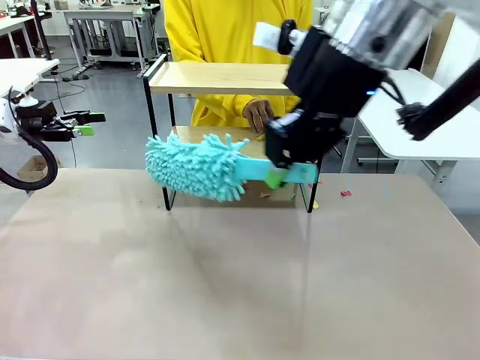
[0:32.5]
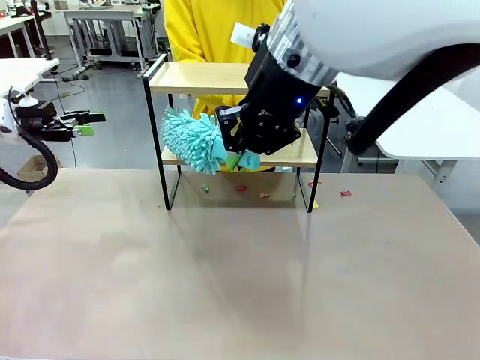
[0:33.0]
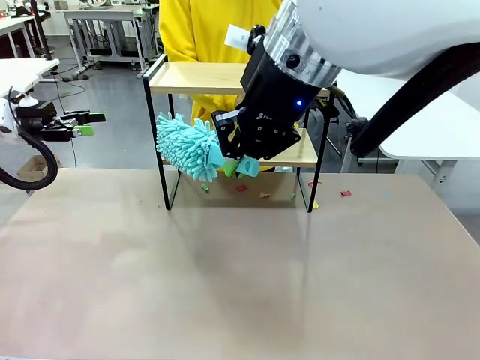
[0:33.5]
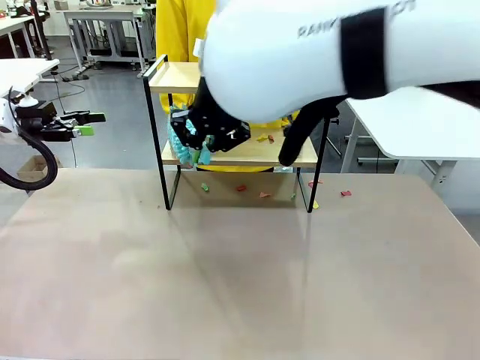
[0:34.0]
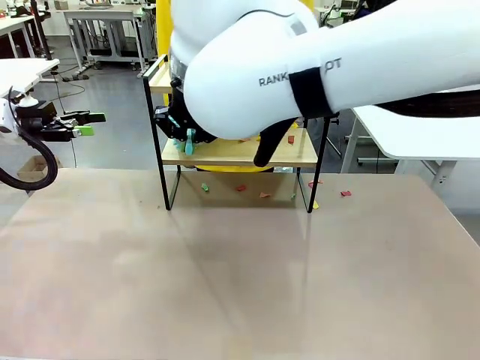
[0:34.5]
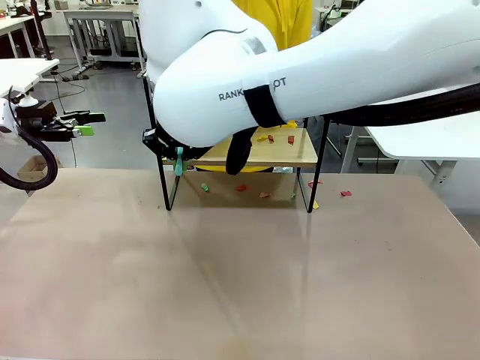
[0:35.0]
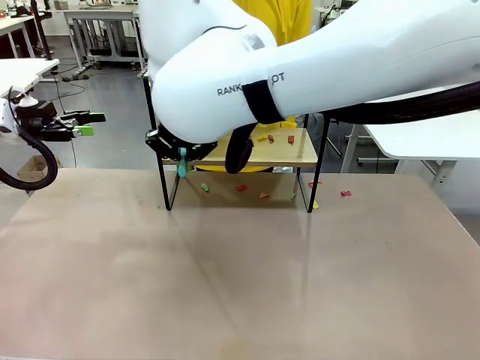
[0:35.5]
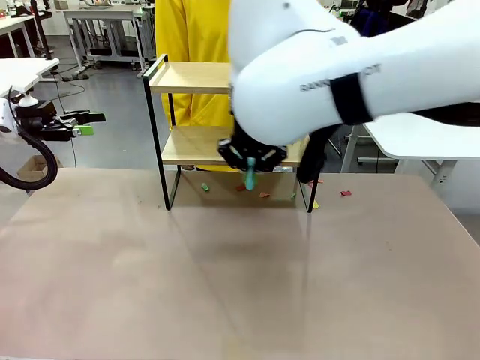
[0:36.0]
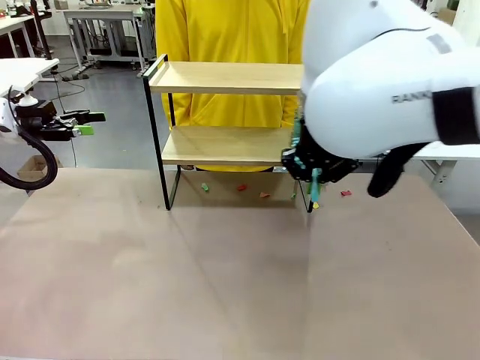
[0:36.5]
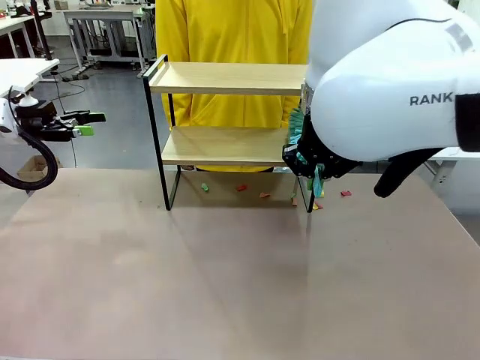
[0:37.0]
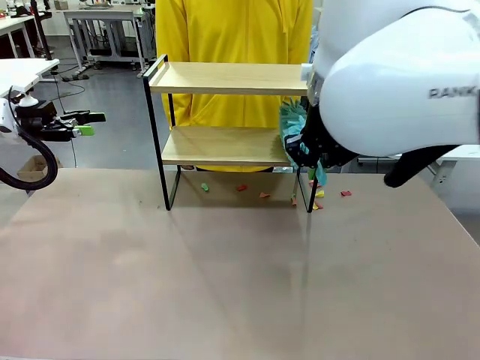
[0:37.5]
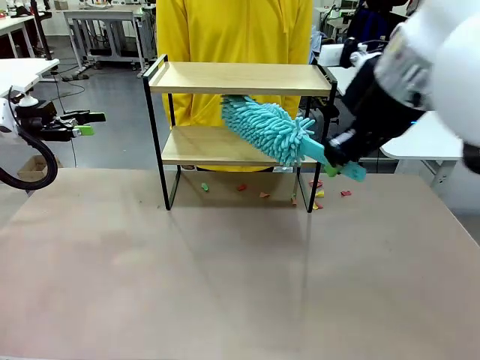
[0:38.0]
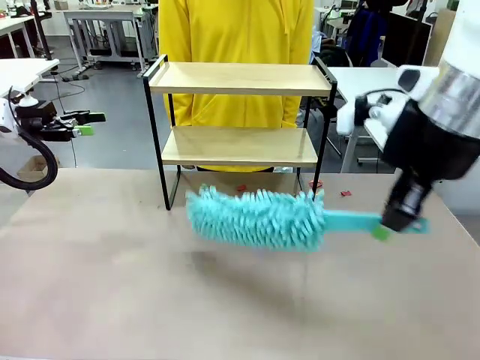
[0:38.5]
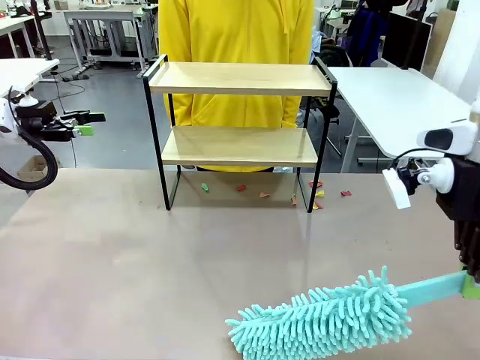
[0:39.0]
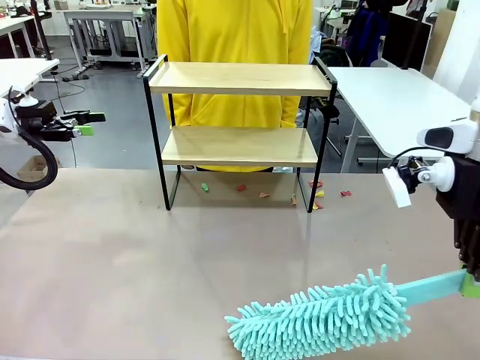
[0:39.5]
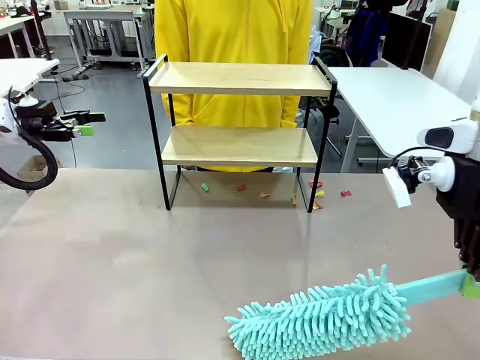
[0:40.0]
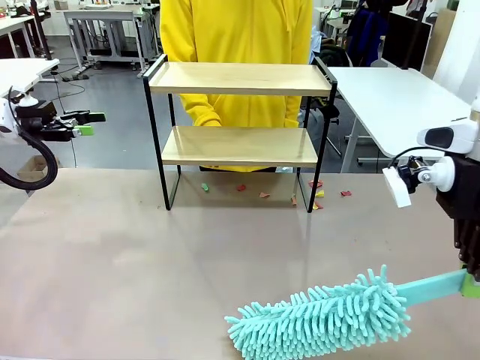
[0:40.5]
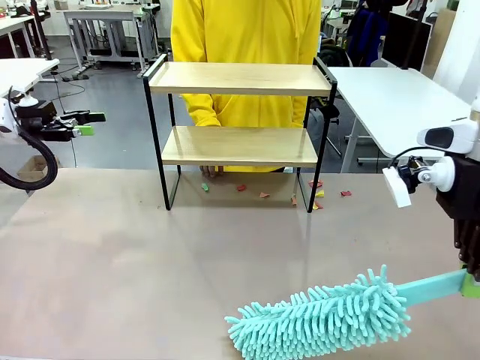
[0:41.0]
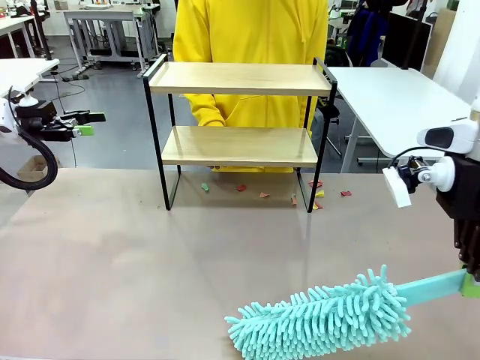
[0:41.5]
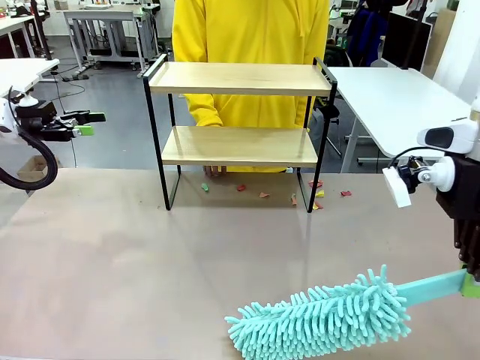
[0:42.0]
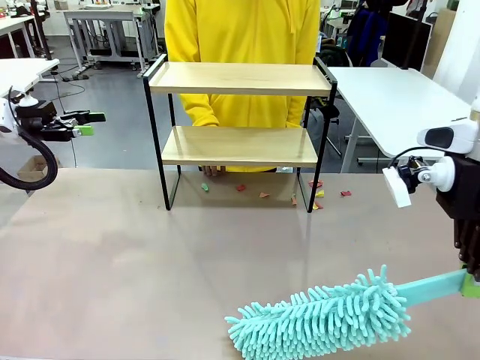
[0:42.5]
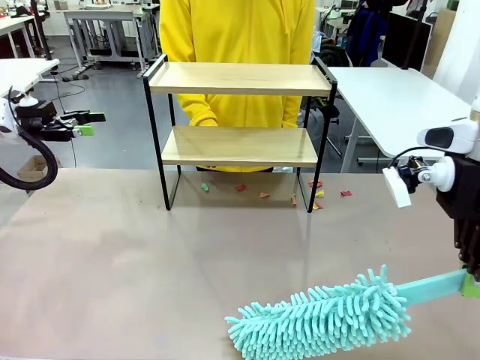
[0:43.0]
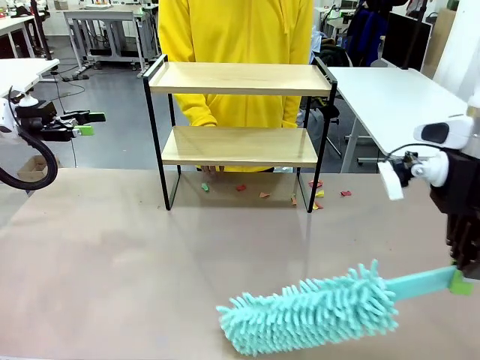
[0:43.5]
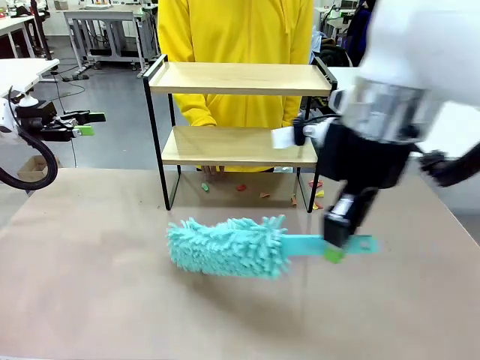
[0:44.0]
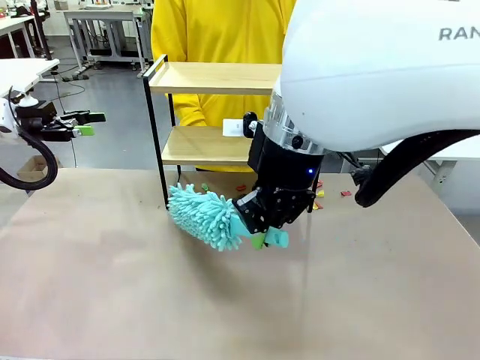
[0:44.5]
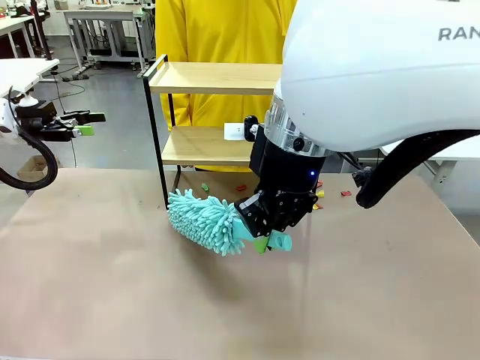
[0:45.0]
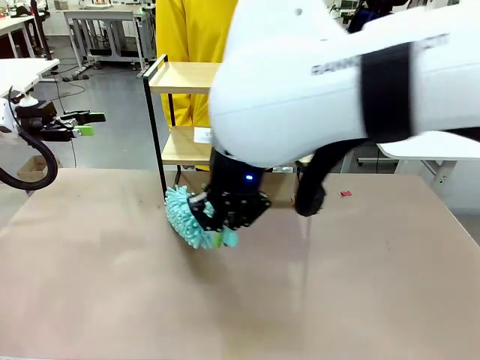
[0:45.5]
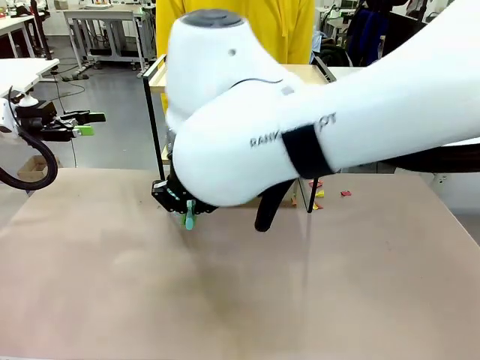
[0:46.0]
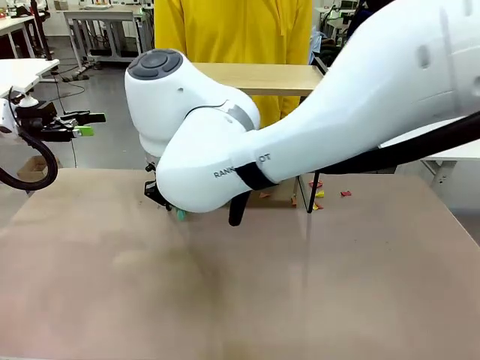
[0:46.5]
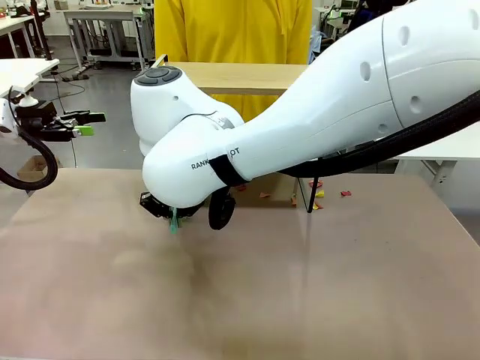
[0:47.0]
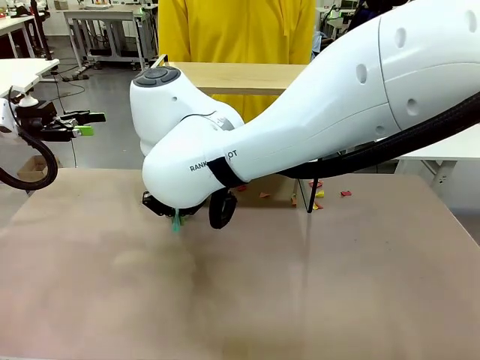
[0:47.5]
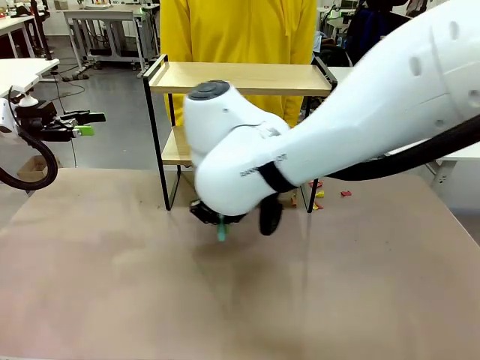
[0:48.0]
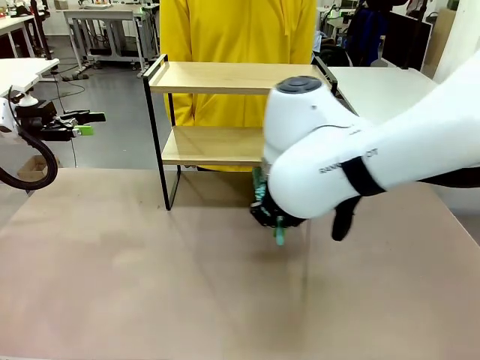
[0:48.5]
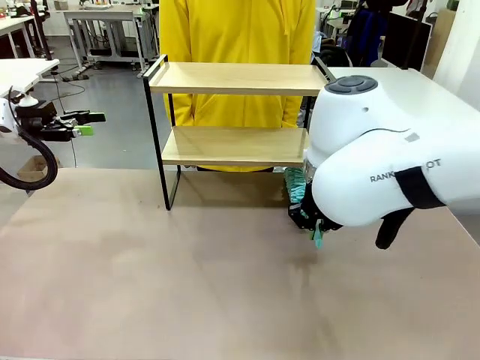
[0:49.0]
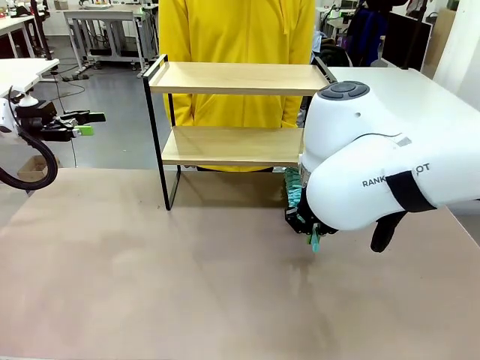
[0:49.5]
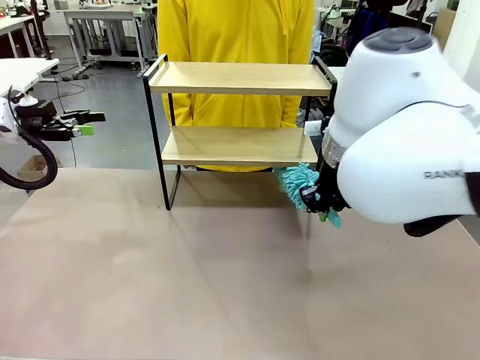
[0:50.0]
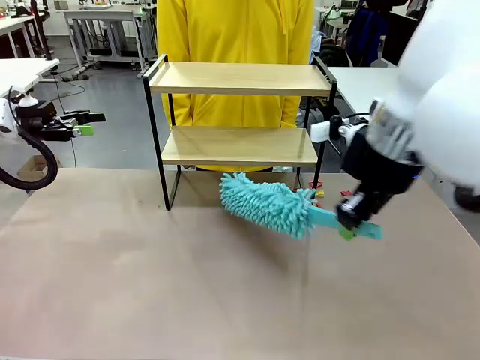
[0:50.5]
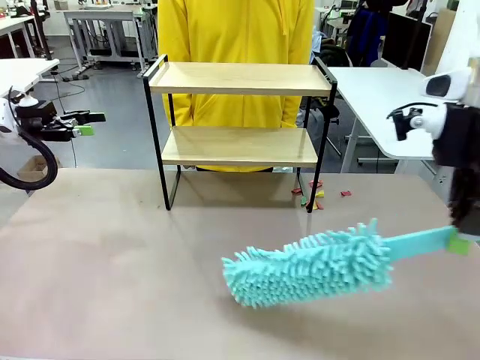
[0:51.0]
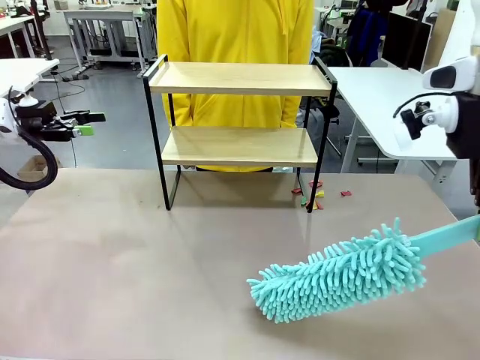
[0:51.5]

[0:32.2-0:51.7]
Task: Clean the shelf.
Robot: Clean the specific section of the Shelf indicated by the human with the Duster.
Person: Point a remaining section of the Shelf.

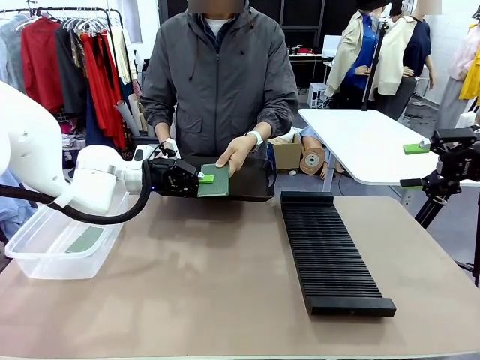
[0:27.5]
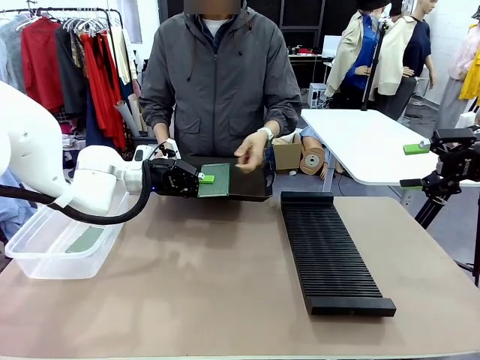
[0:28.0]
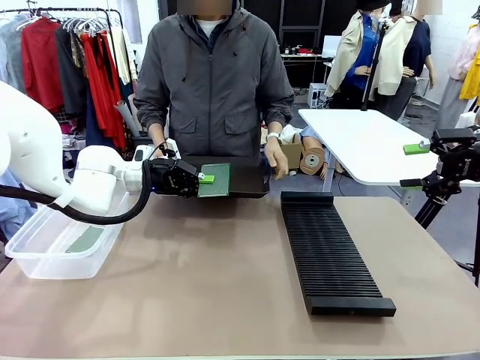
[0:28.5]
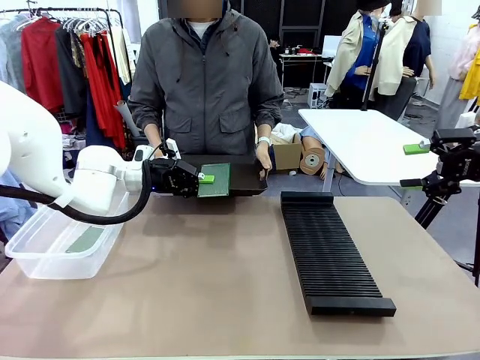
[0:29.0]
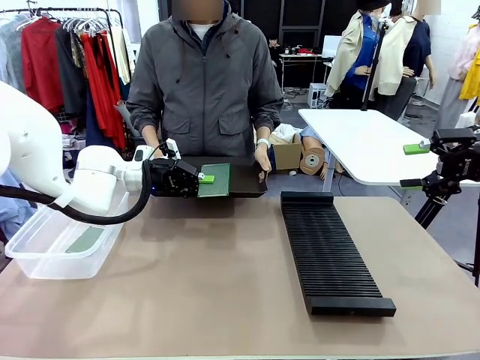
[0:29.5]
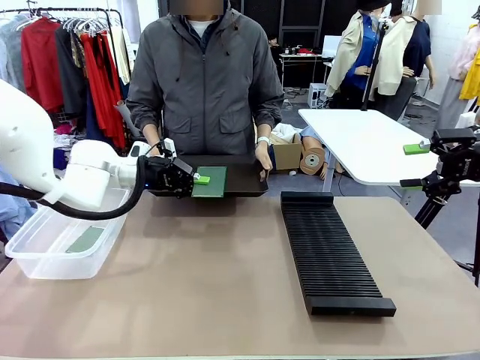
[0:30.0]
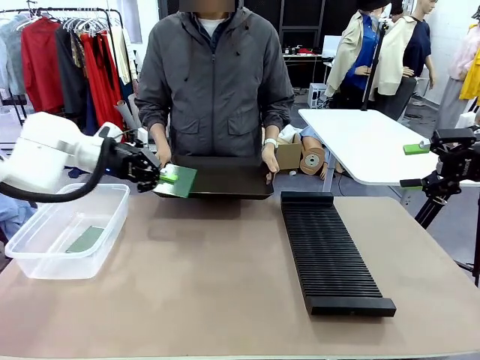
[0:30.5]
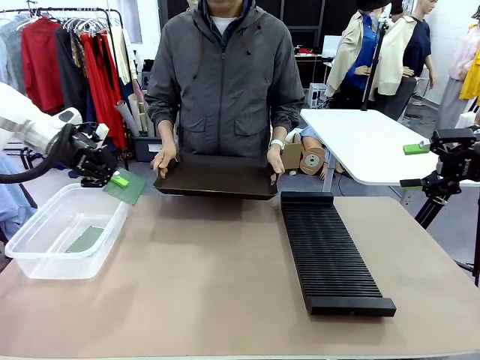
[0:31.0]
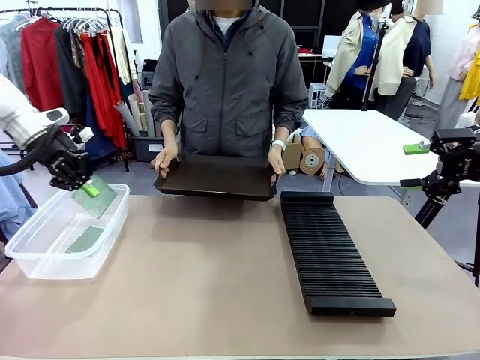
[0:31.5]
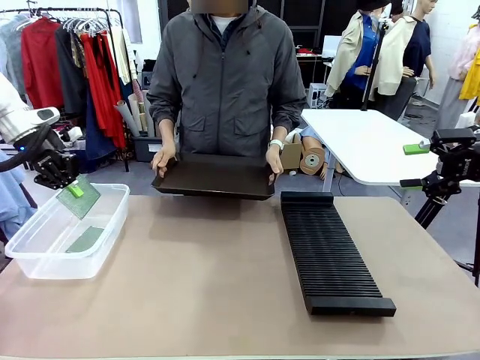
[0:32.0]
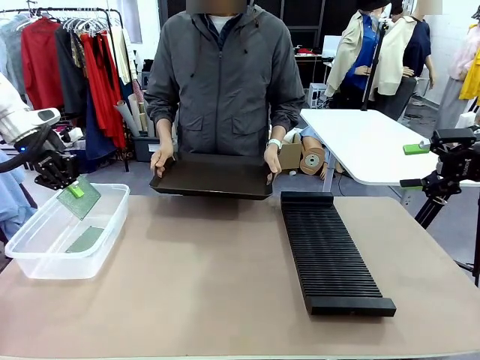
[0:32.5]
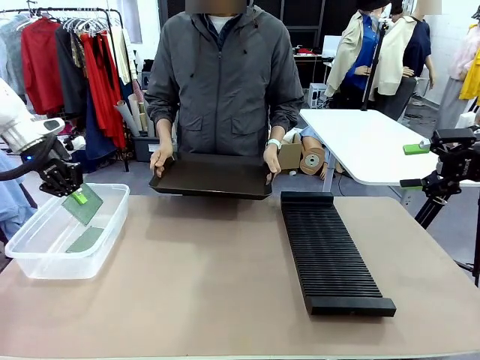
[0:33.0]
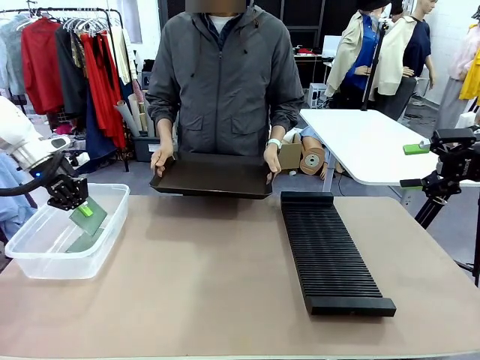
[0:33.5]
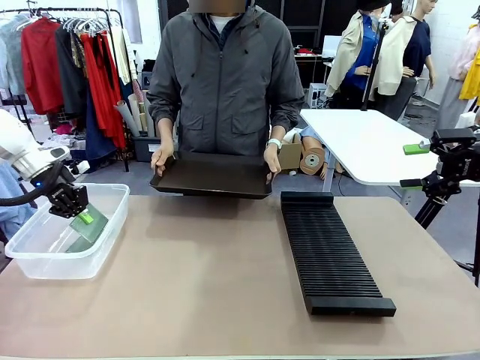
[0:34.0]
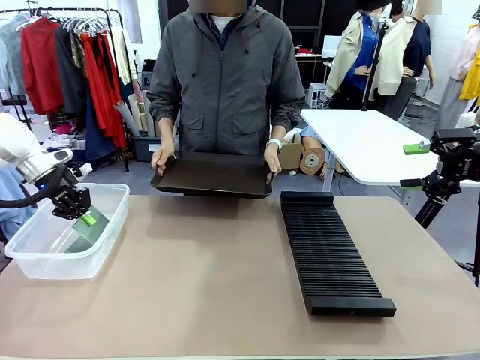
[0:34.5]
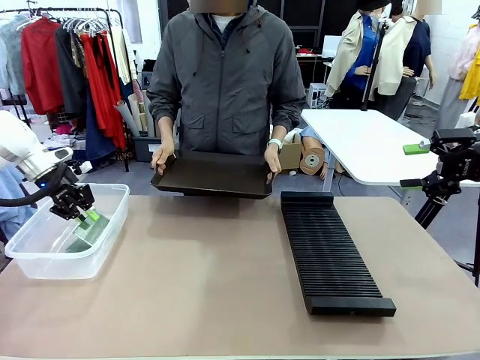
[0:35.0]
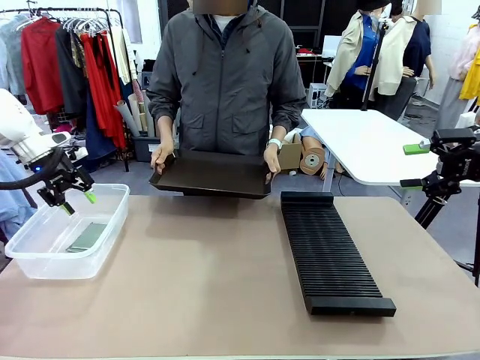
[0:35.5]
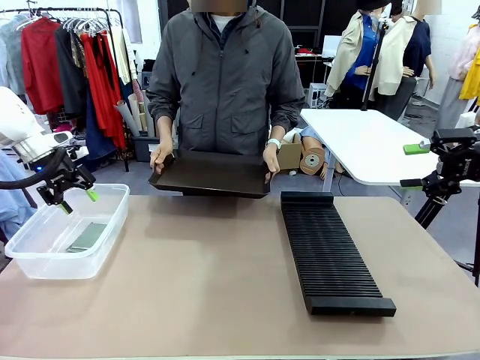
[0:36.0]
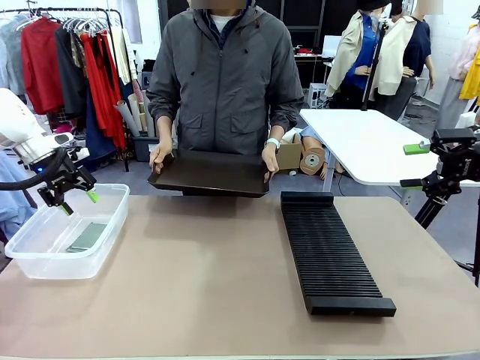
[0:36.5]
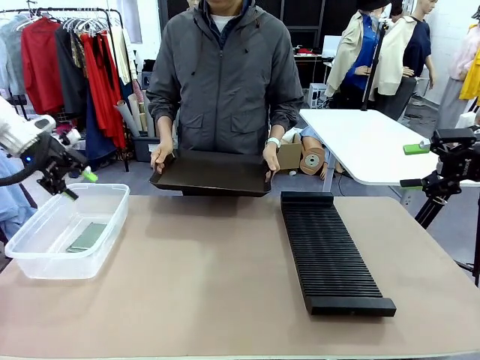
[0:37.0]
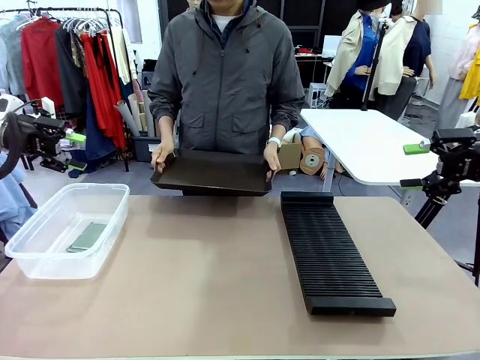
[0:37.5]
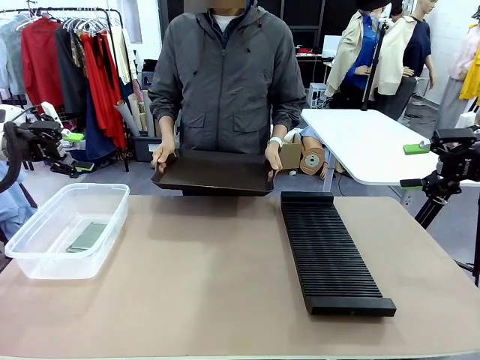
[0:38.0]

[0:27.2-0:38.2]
Task: Sort PCBs into racks and boxes based on the side picked up.
Robot: If the short side of the Blank PCB is picked up, insert it into the PCB Rack ; if the long side is picked up, place it in the Organizing box.
Person: Release the PCB being held.
